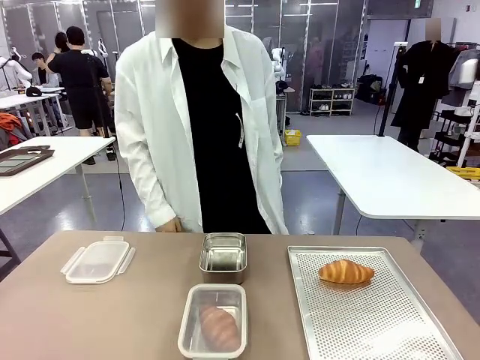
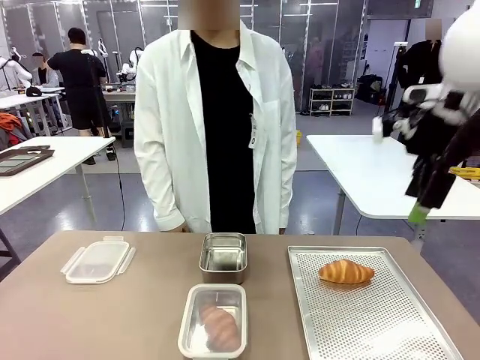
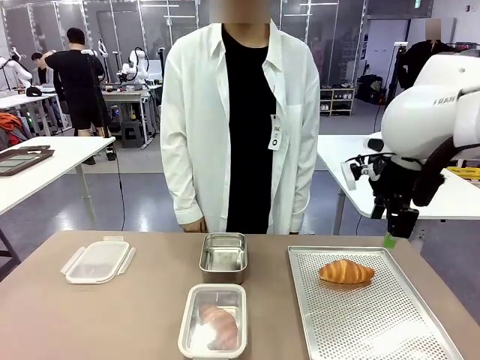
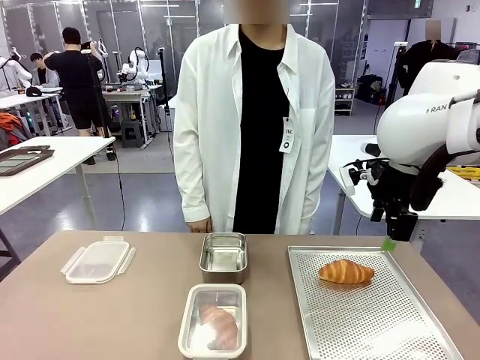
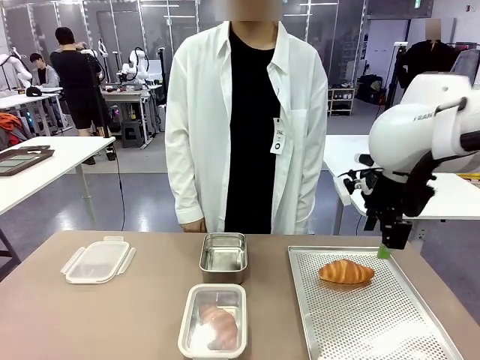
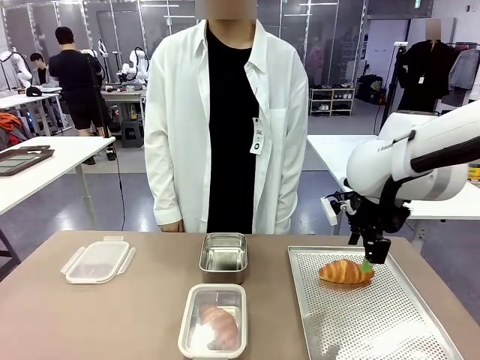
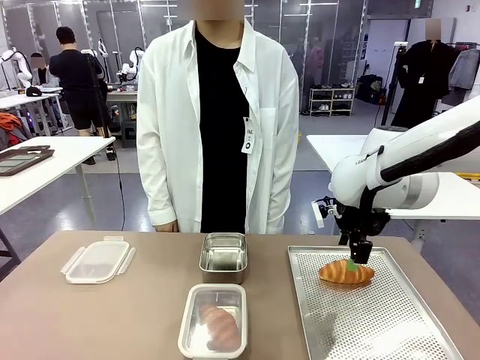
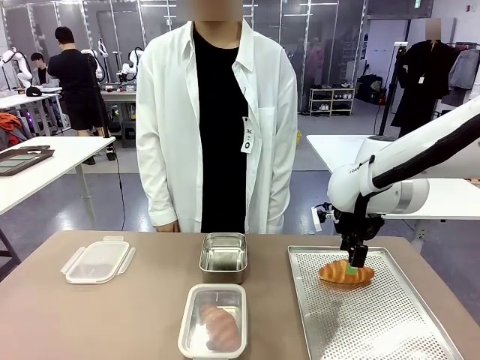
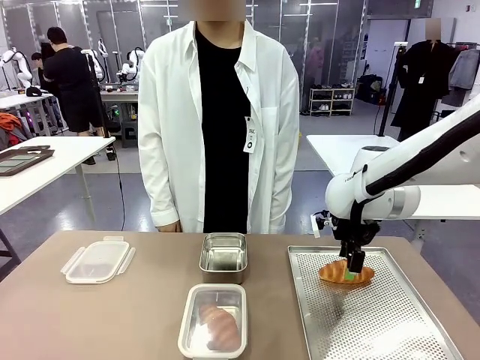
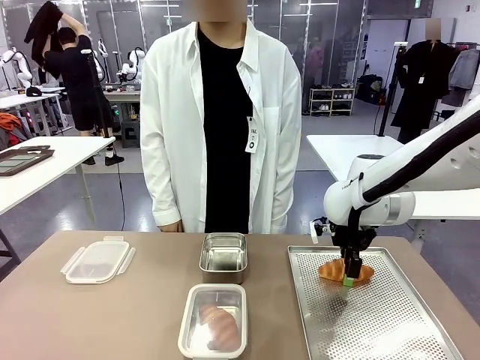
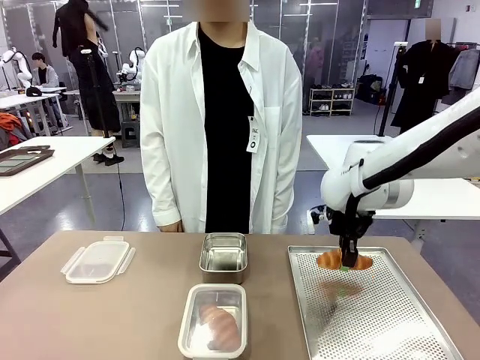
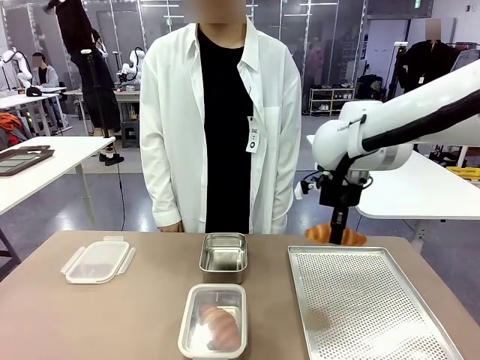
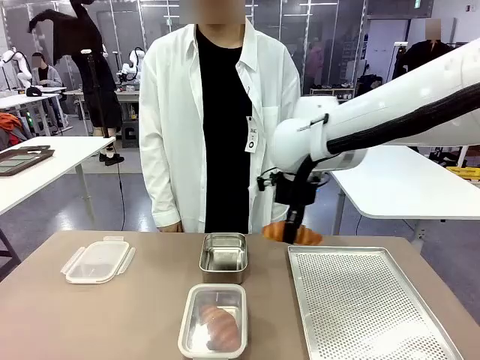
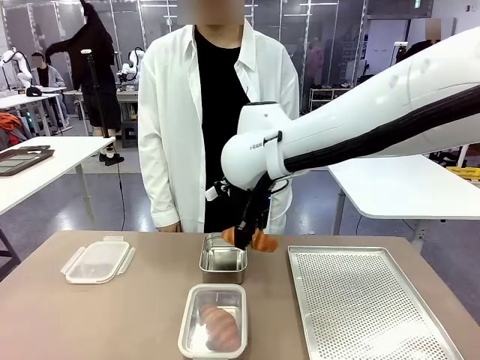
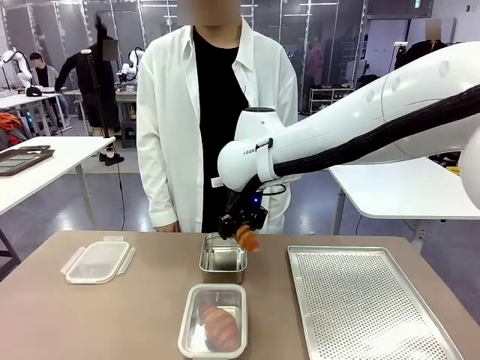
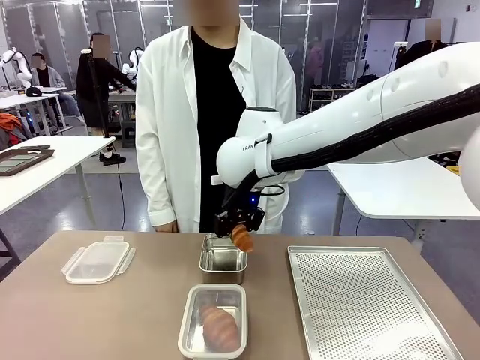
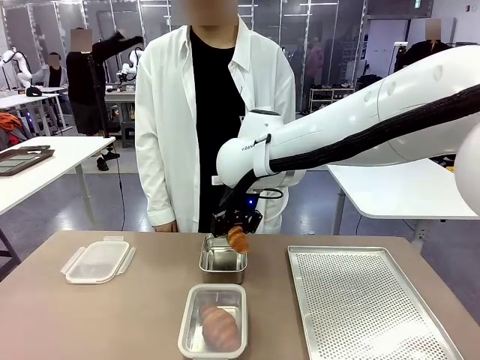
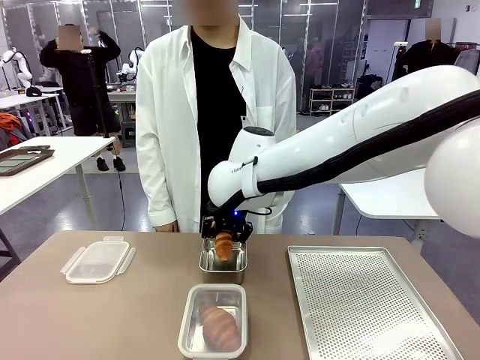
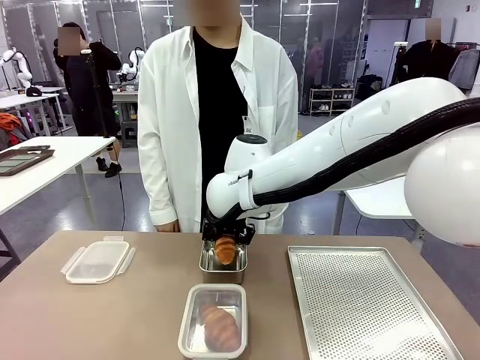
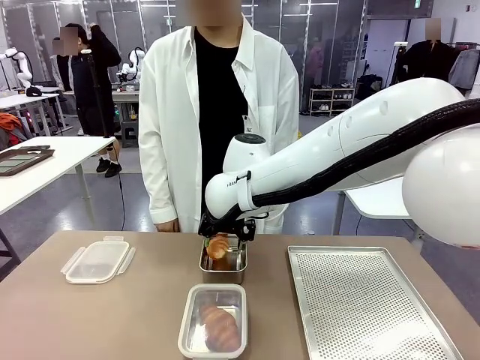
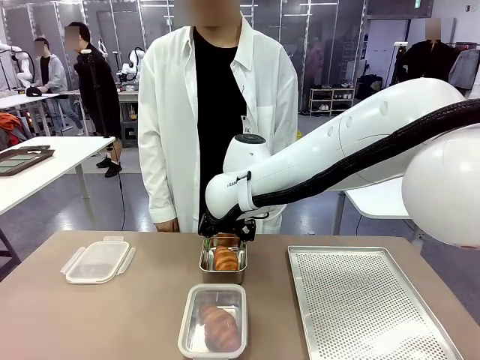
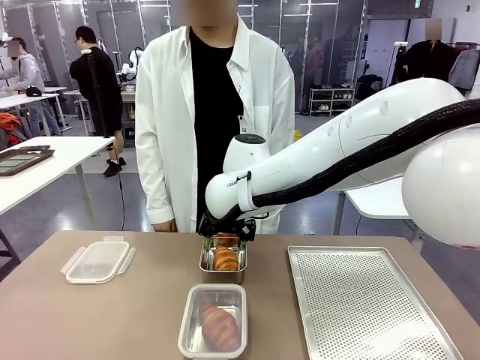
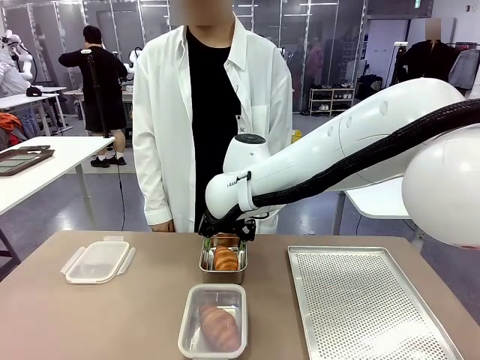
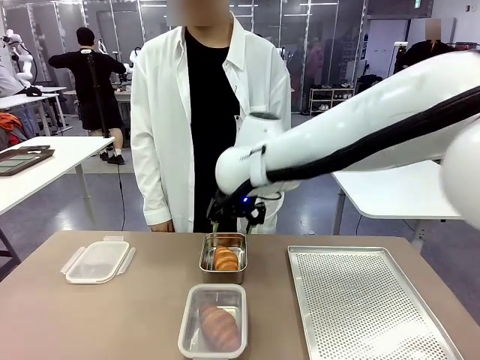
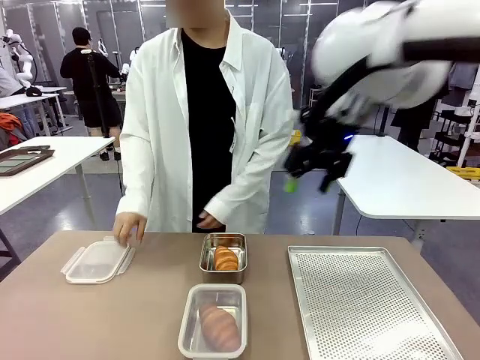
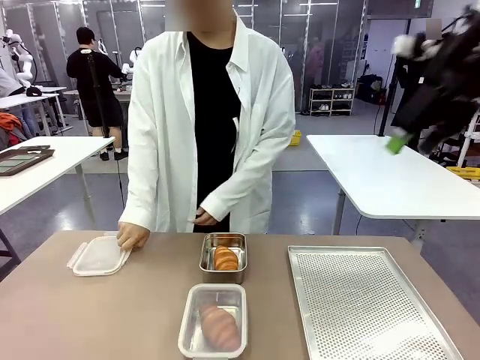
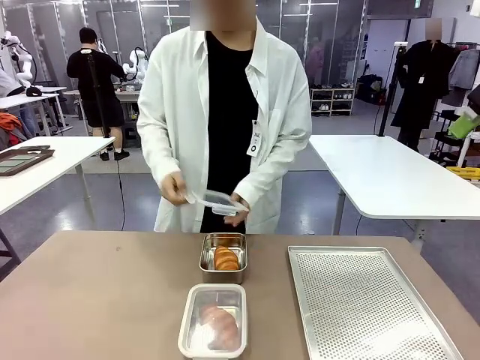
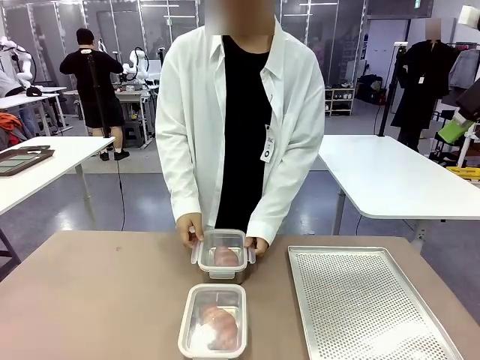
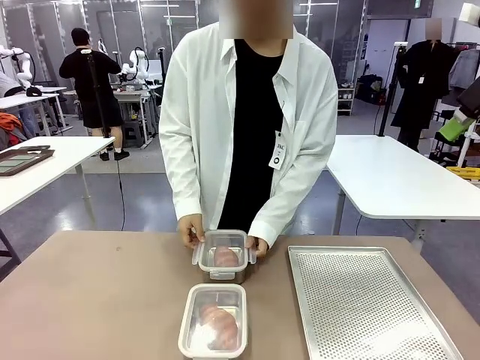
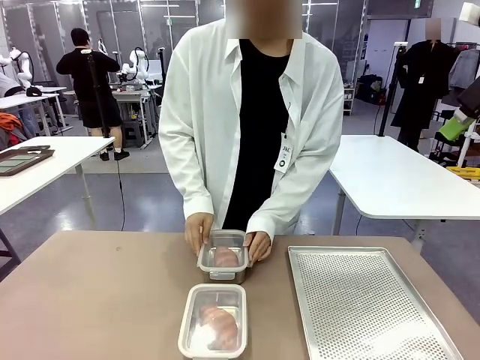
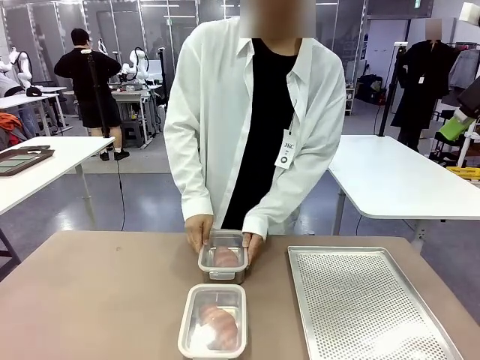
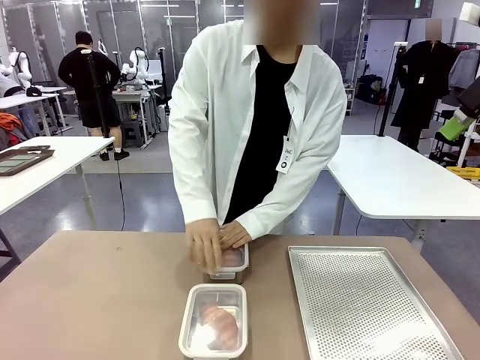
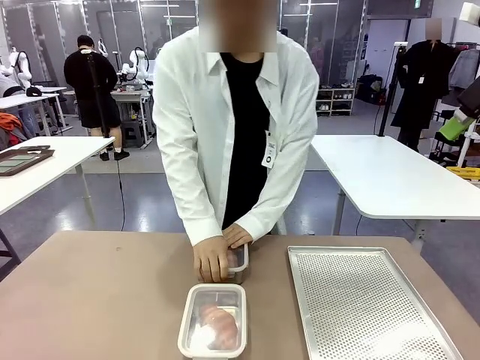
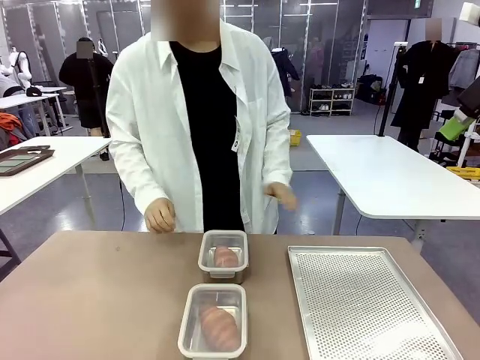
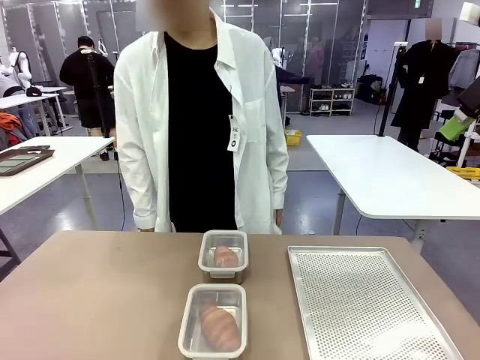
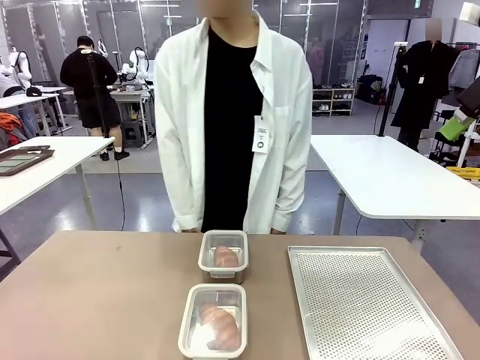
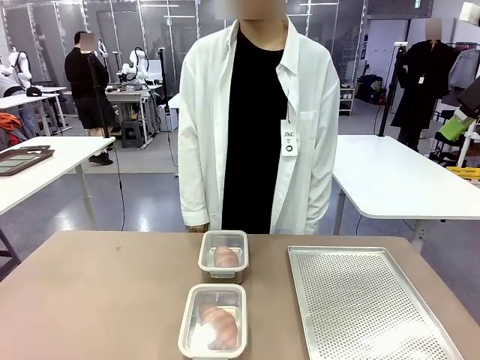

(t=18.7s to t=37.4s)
Task: Place the bread into the airtight container.
Robot: Pick up a Butter Roll and place it into an empty Airtight Container.
